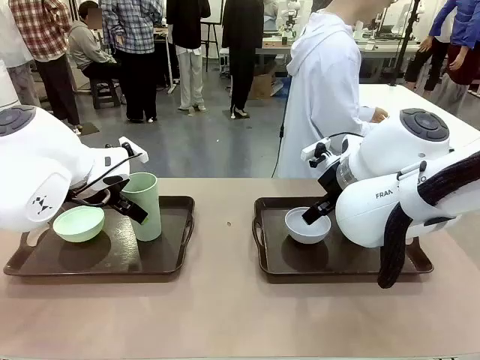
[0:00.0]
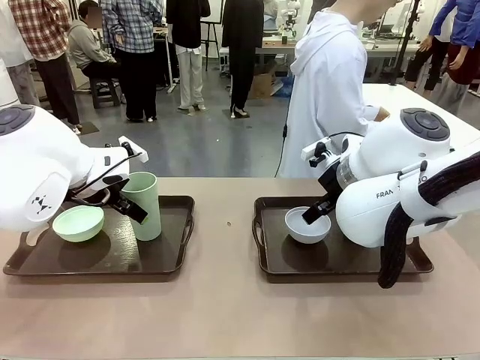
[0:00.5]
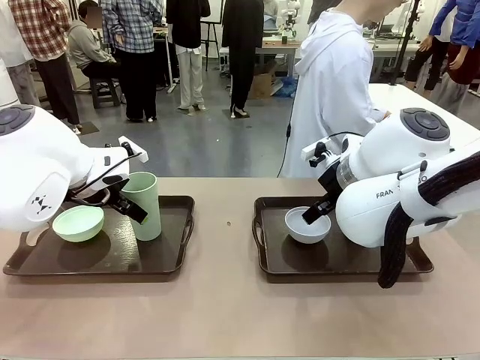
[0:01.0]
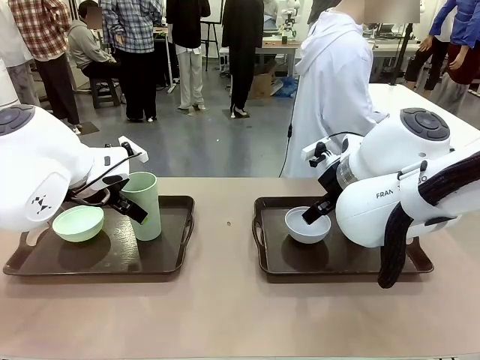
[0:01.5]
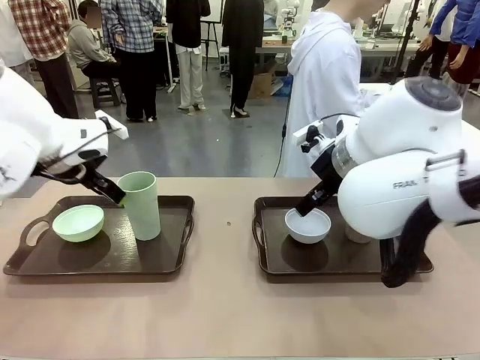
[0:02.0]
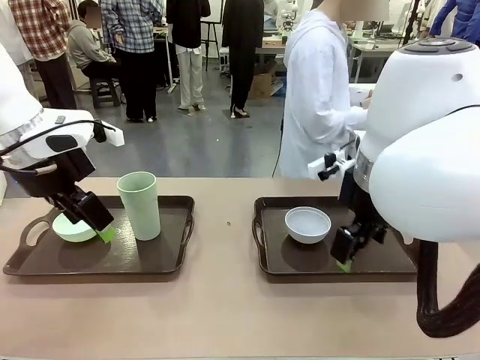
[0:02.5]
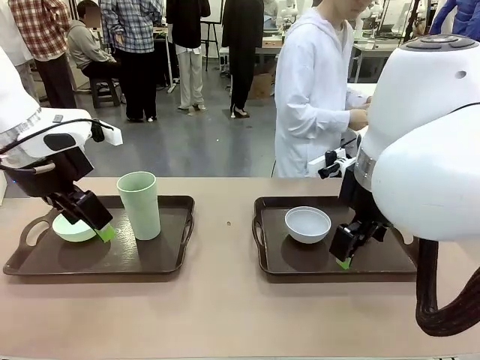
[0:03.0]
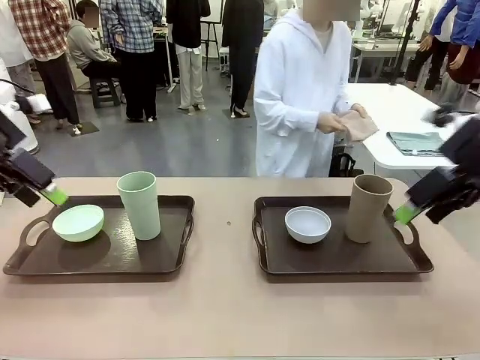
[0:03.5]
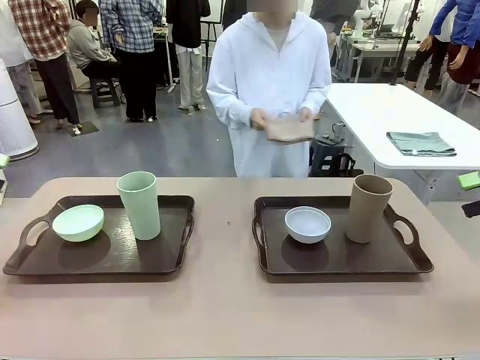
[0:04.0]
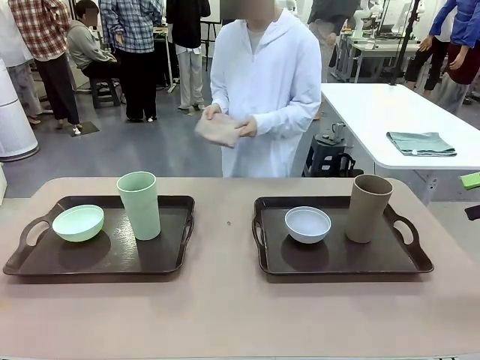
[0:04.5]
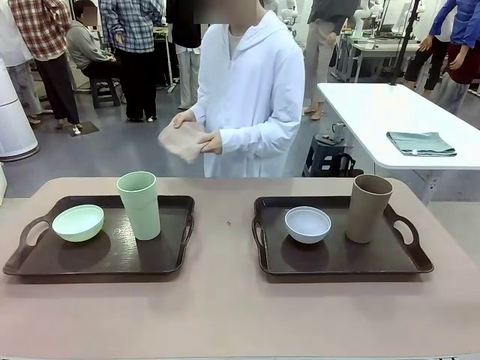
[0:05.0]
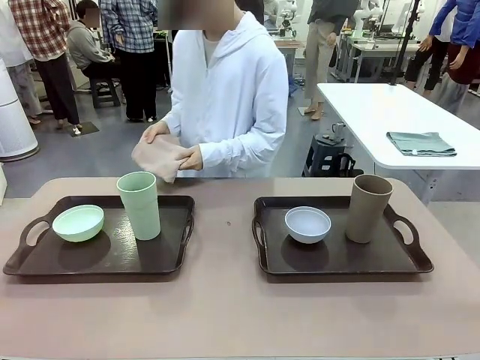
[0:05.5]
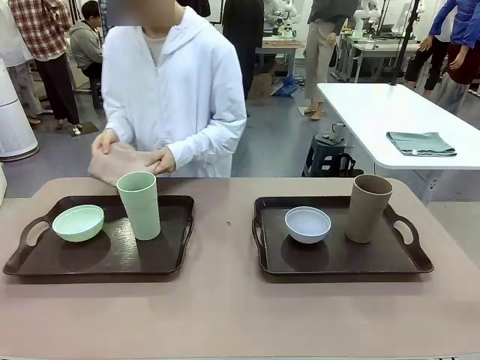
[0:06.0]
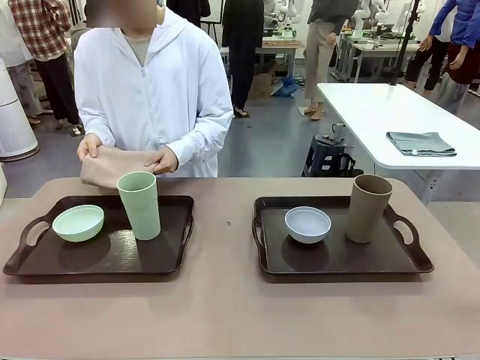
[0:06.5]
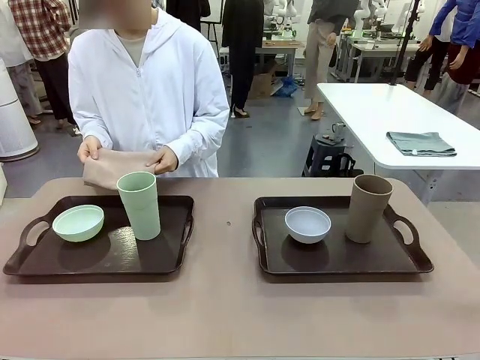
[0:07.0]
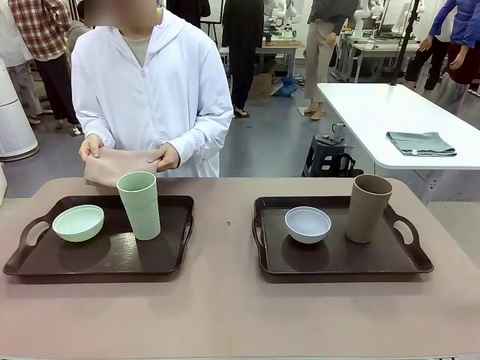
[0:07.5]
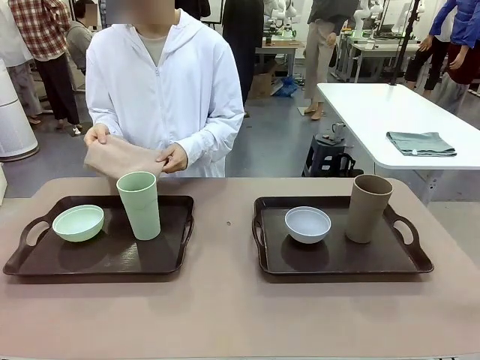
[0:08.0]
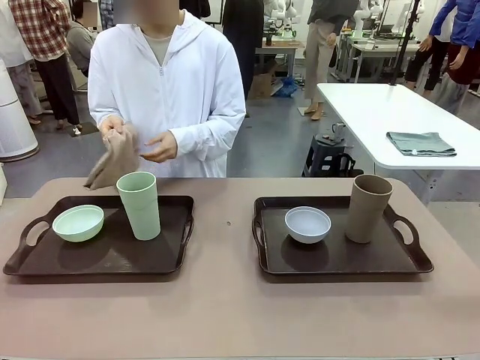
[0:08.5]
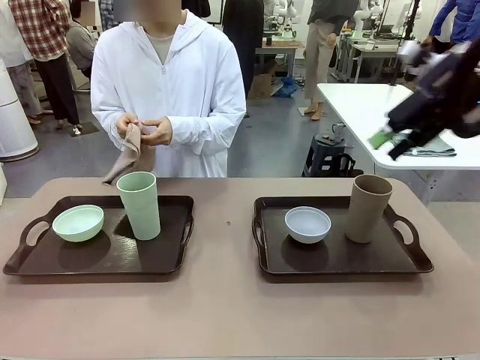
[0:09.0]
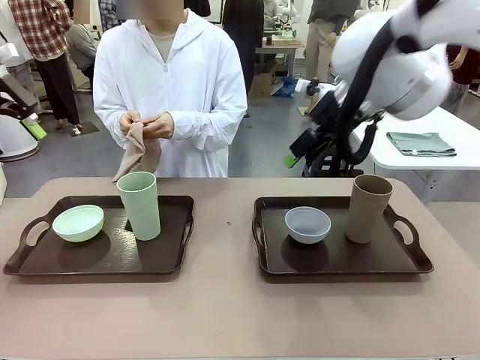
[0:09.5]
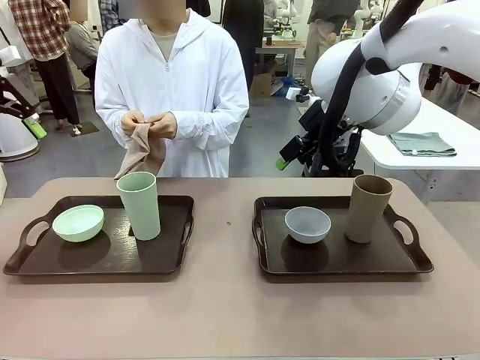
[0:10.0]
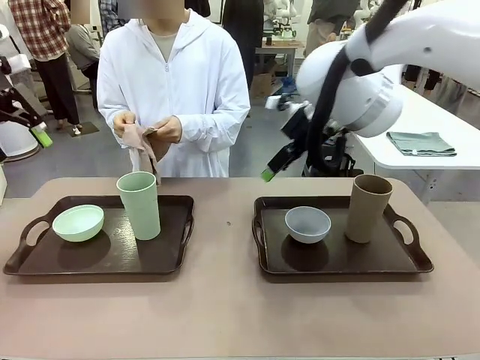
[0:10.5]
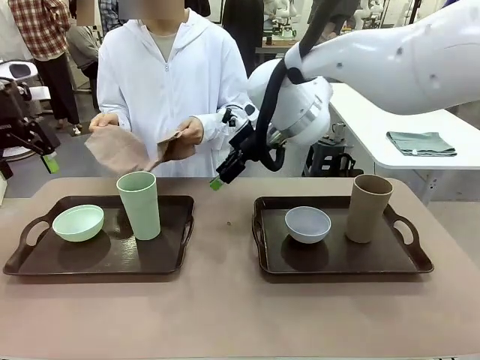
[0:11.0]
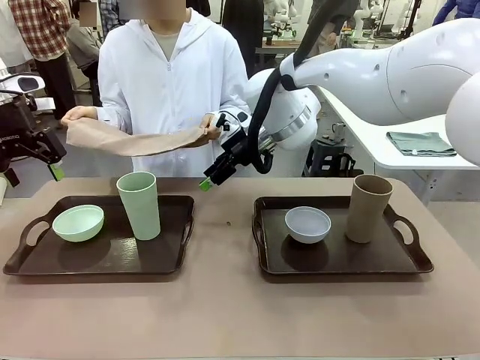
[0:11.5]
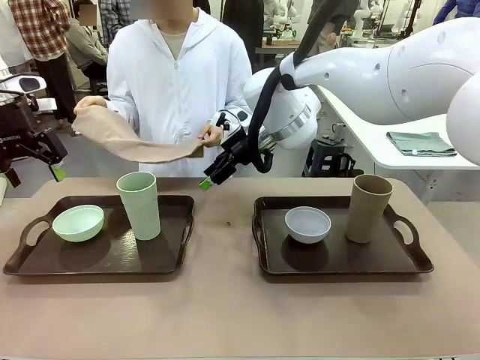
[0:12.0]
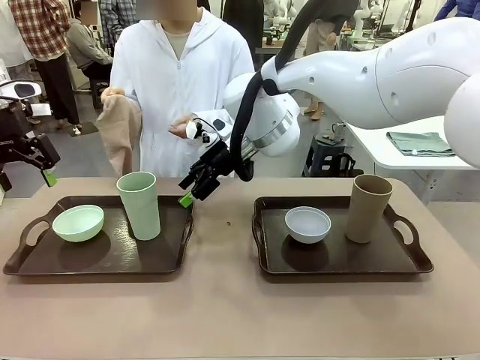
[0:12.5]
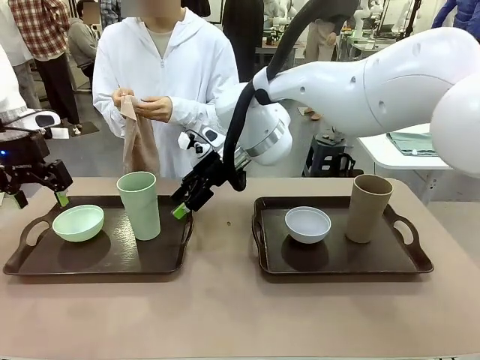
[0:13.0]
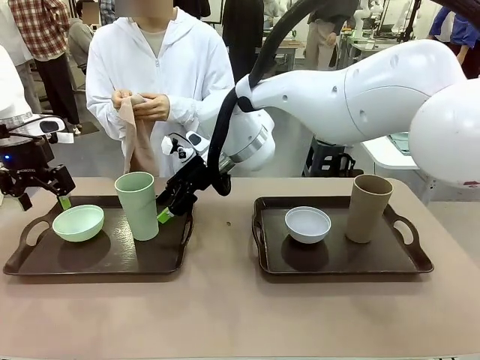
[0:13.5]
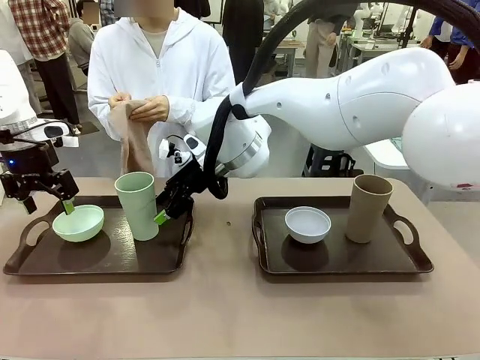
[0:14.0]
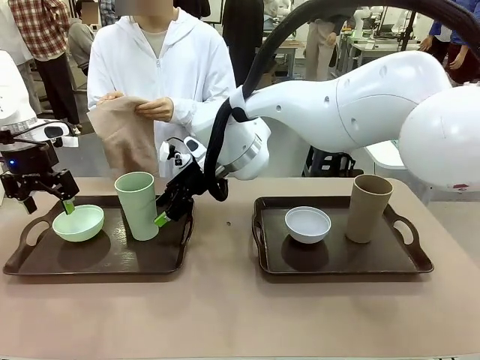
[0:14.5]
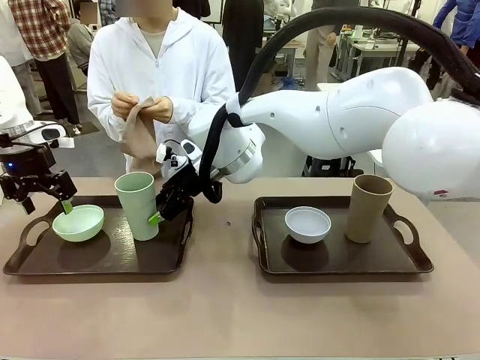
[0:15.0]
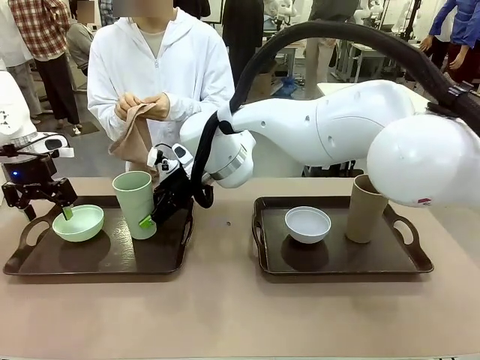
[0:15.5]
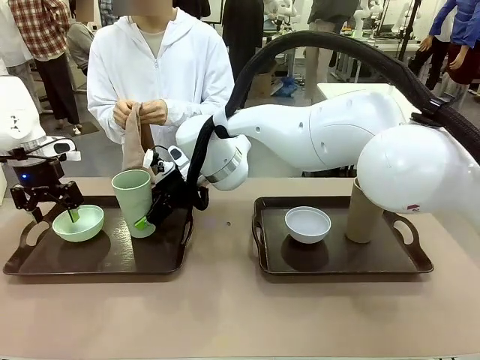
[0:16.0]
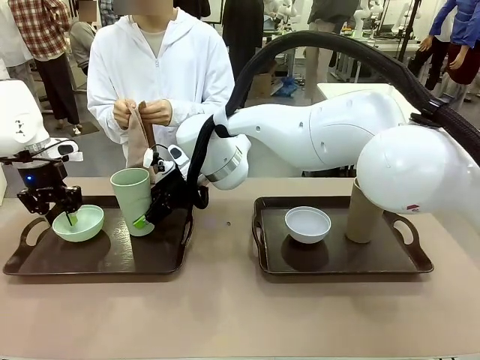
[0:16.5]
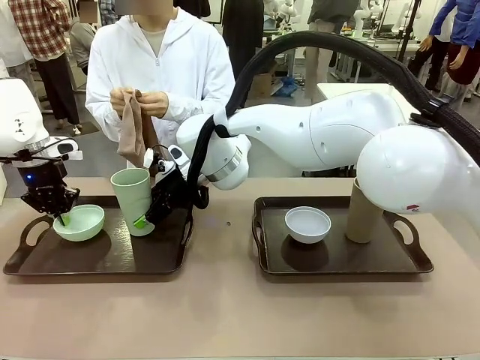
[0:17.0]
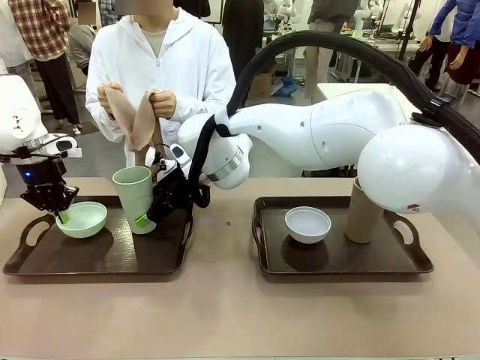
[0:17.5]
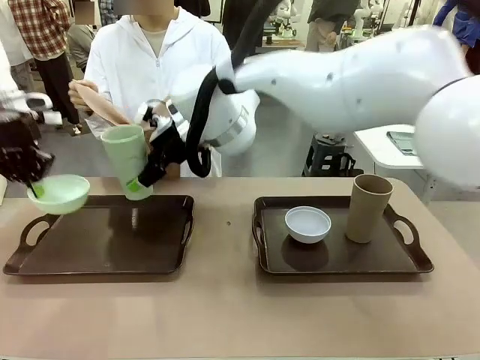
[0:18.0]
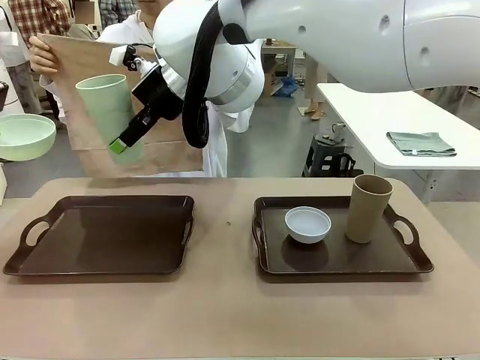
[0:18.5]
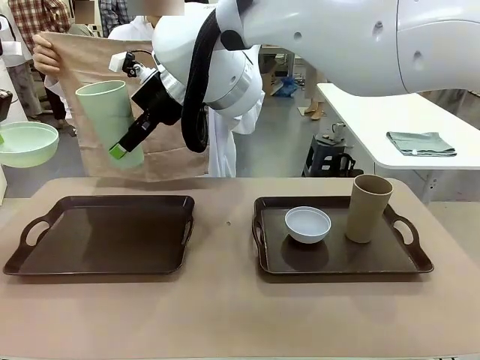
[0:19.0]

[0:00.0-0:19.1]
Robot: Pick up the Picnic Bowl and Reusable plastic cup from the Handle tray in front of the human's position and hold them in the air.
Person: The human picks up the top napkin from the stack on the human table and walks to the robot table to stand in front of one of the two trays. When the robot lifts the bowl and the cup, the human unfolds the napkin and lays the napkin flat on the tray.

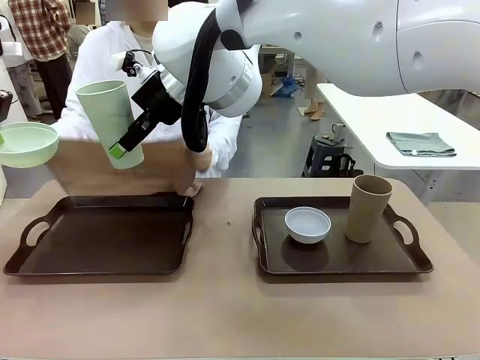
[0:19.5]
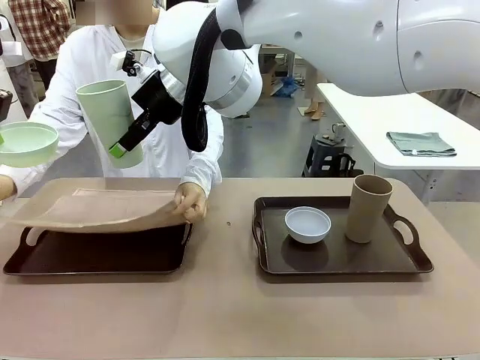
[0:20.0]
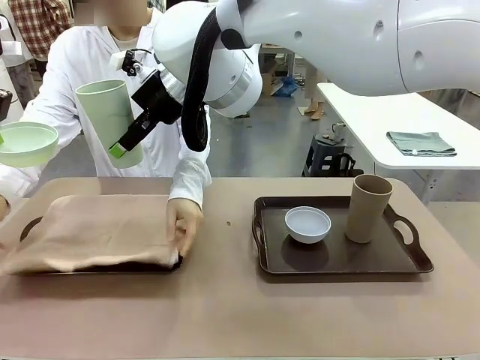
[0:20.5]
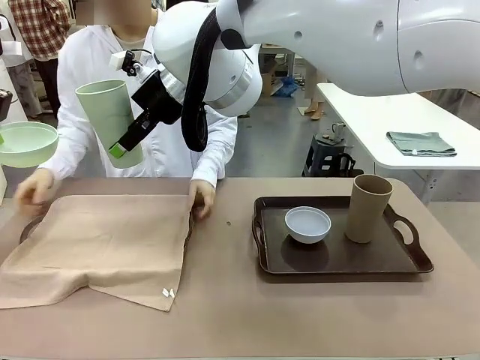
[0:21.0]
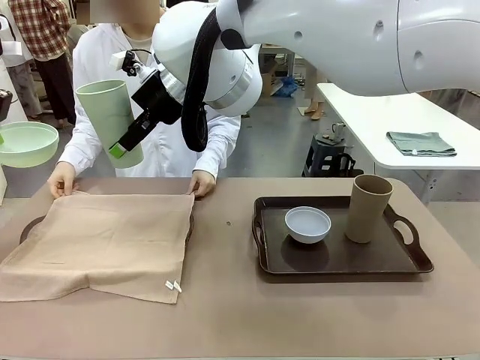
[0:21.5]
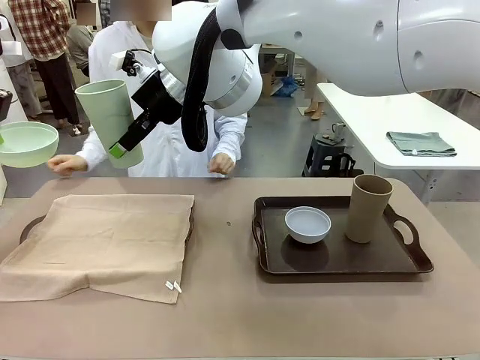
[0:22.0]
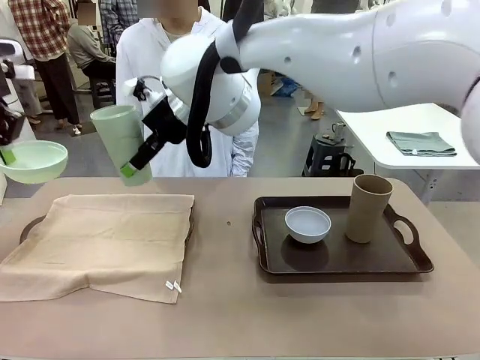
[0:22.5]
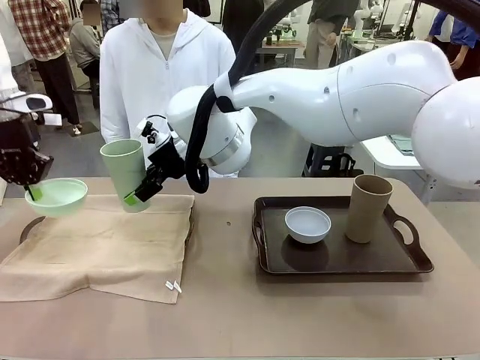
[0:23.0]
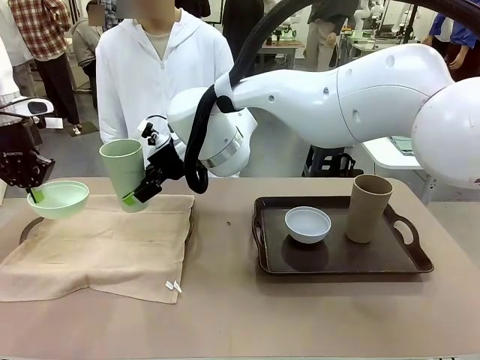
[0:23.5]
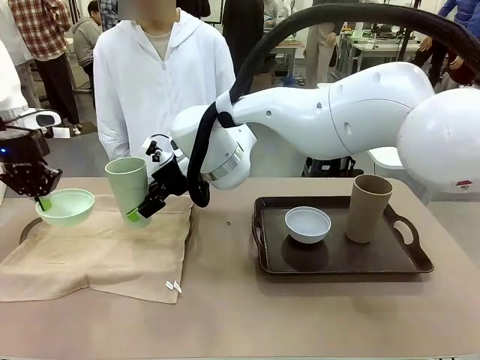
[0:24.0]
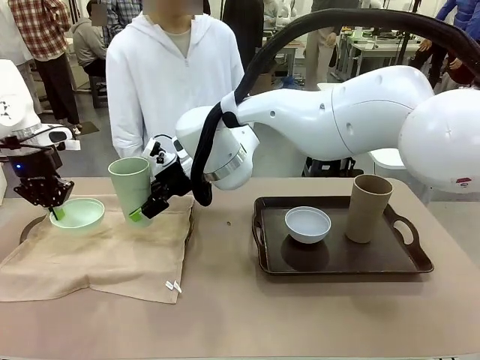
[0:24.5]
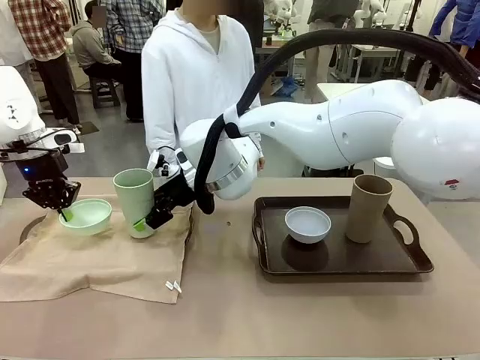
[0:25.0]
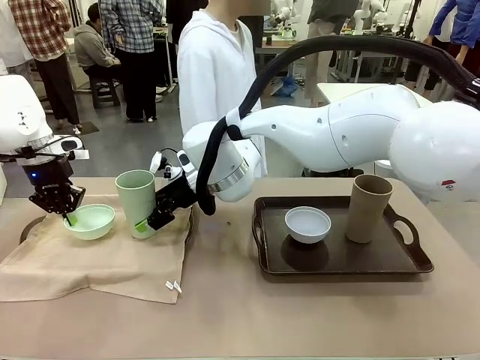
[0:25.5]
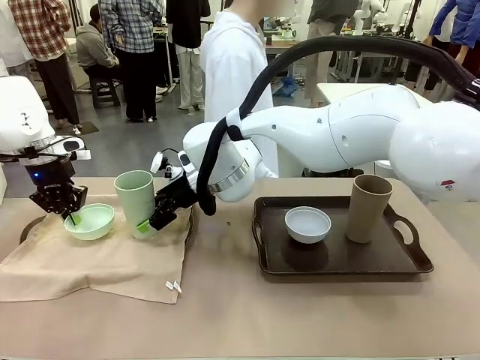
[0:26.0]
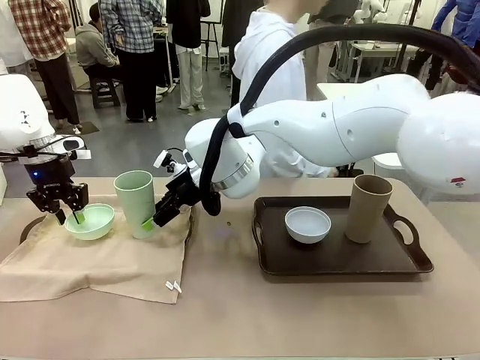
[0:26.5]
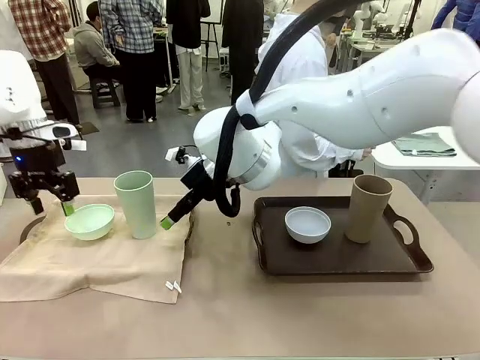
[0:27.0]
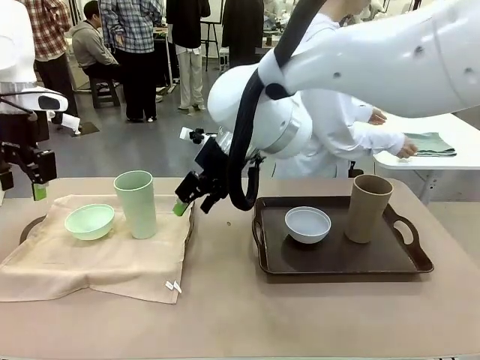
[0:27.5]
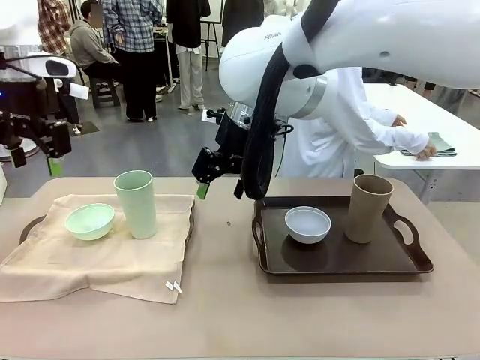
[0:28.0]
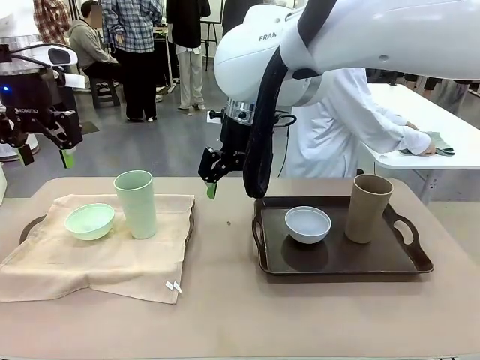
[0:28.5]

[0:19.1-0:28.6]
Robot: Place the Picnic Bowl and Reusable plastic cup back onto the Handle tray in front of the human's position.
Person: The human returns to the human table to pick up another napkin and walks to the robot table to stand in front of the tray without a napkin.
